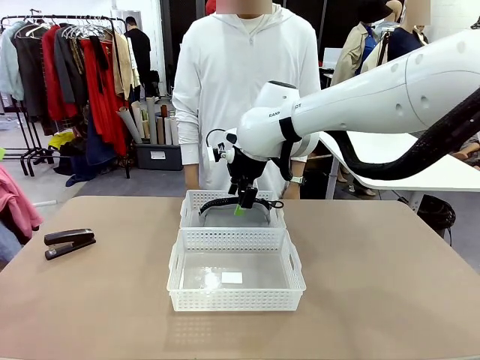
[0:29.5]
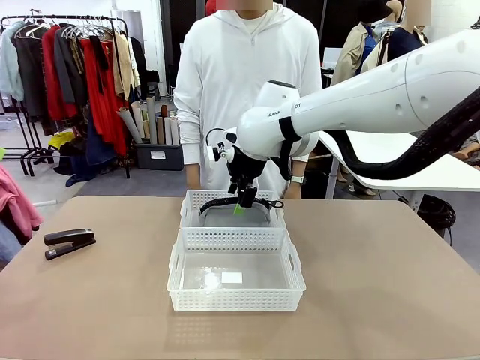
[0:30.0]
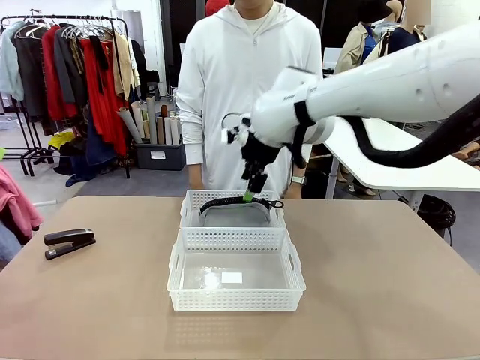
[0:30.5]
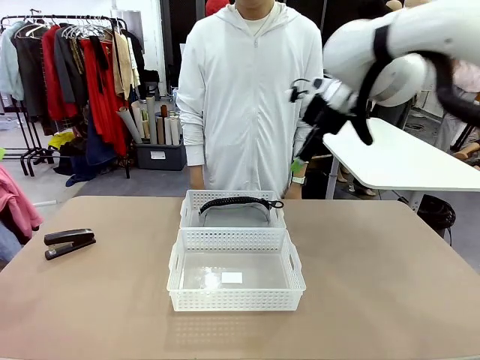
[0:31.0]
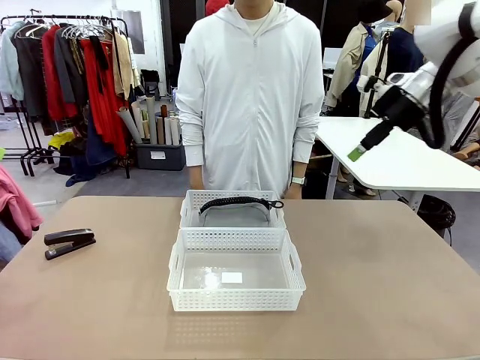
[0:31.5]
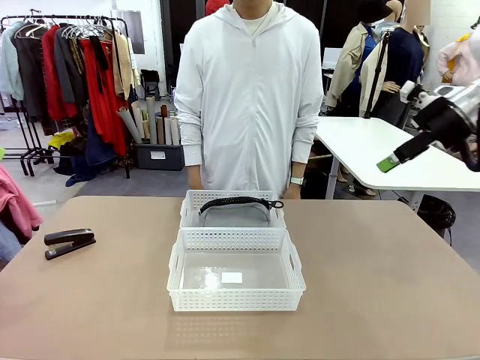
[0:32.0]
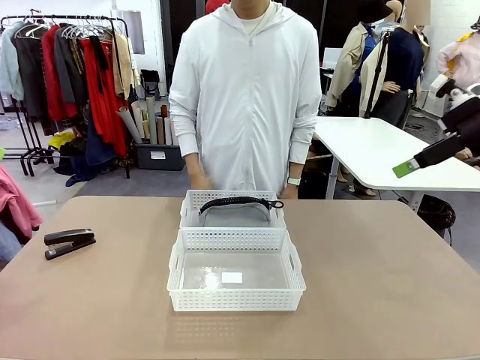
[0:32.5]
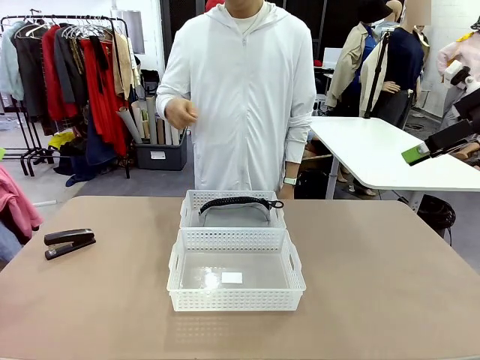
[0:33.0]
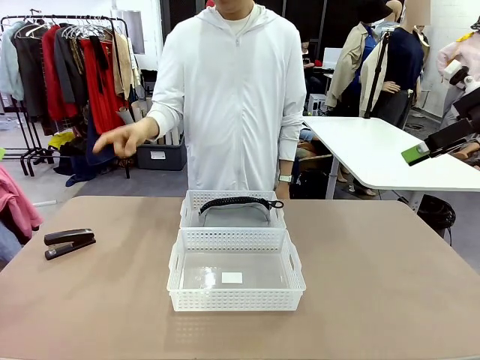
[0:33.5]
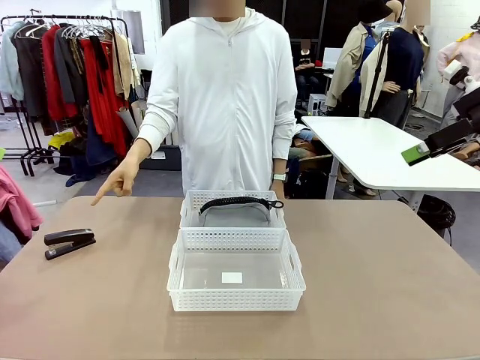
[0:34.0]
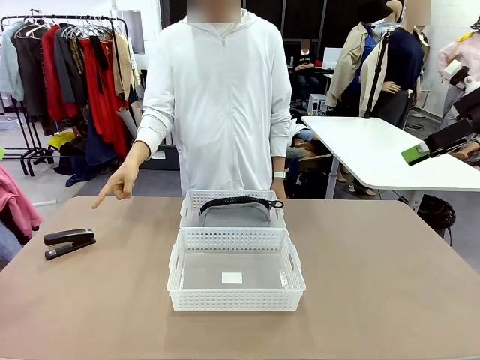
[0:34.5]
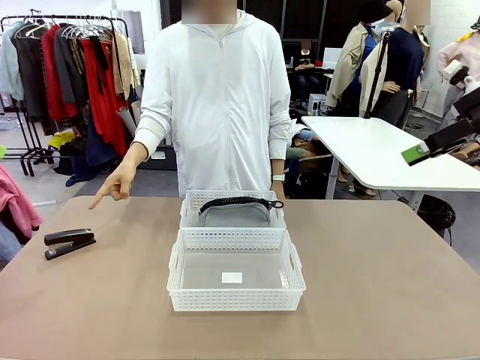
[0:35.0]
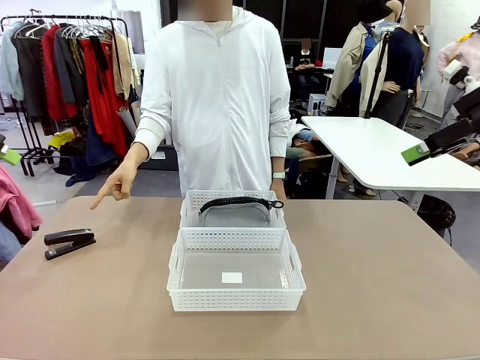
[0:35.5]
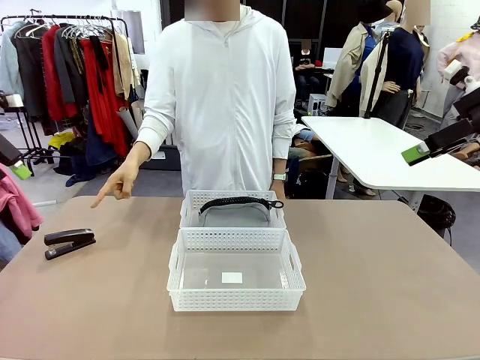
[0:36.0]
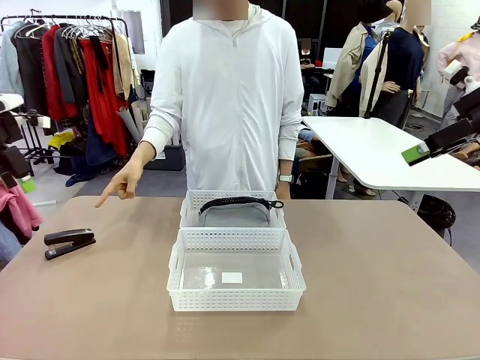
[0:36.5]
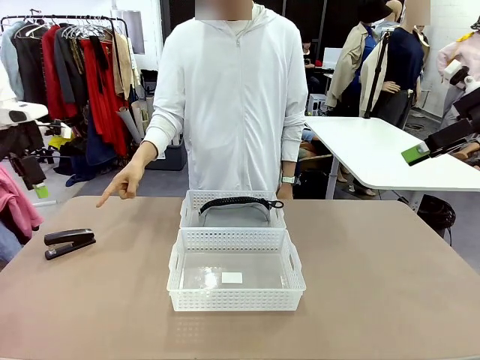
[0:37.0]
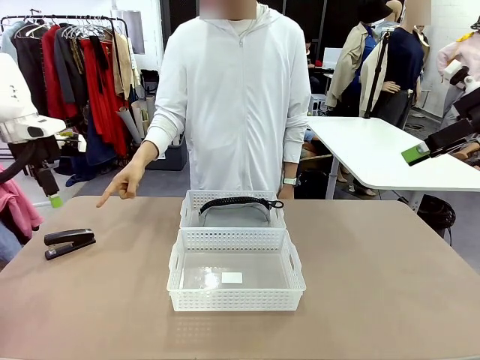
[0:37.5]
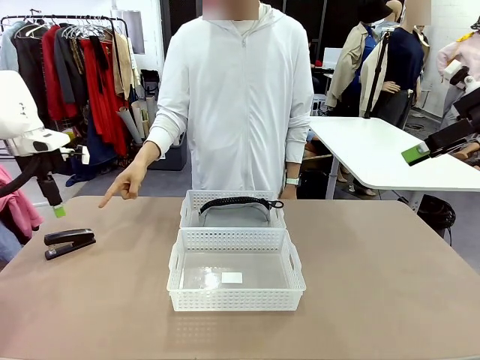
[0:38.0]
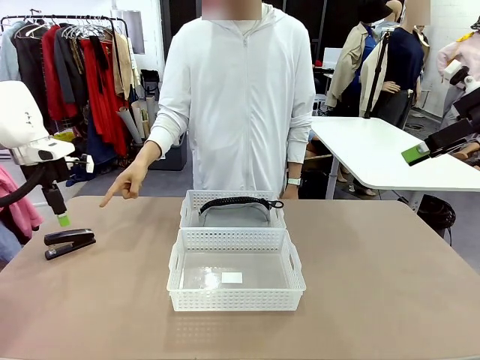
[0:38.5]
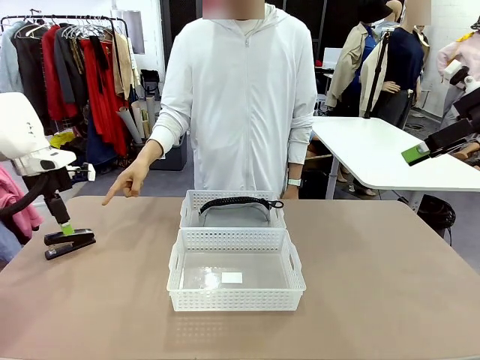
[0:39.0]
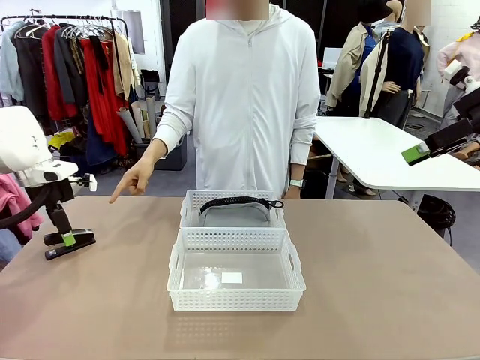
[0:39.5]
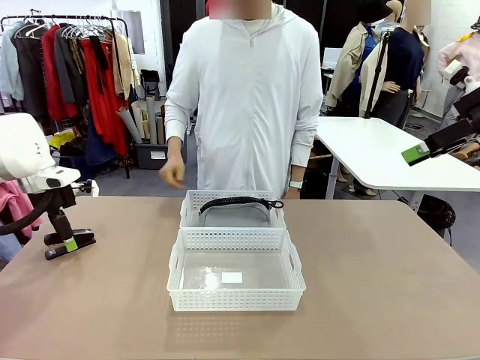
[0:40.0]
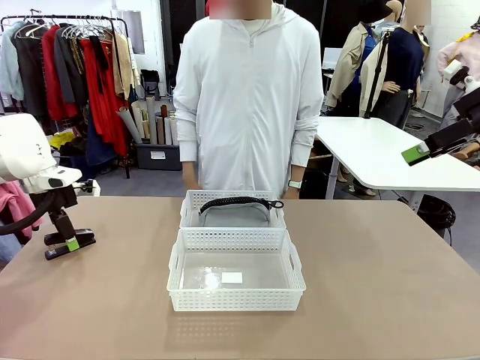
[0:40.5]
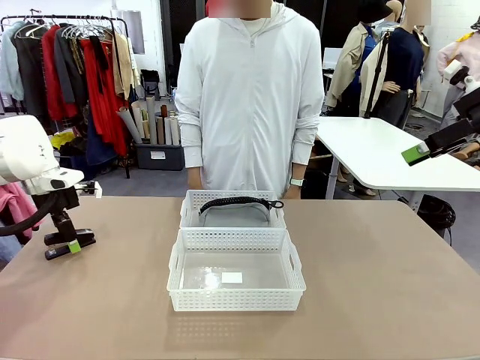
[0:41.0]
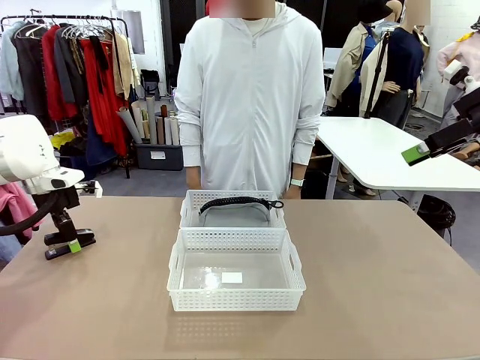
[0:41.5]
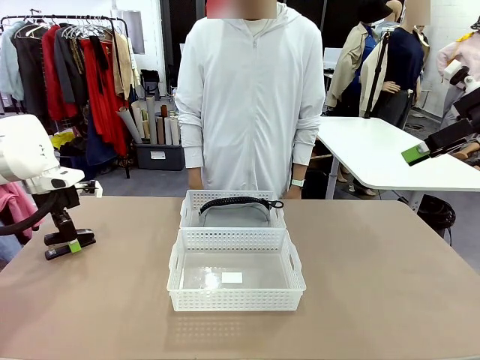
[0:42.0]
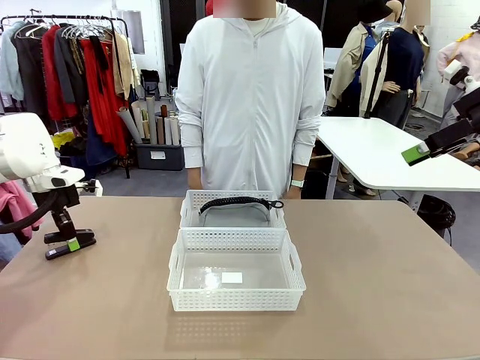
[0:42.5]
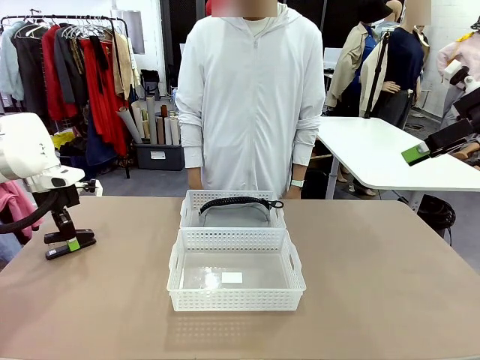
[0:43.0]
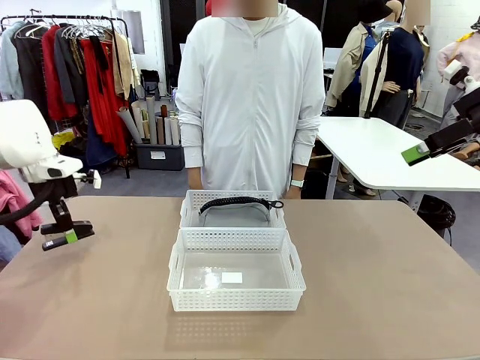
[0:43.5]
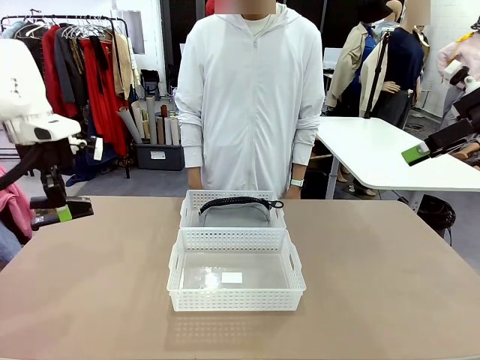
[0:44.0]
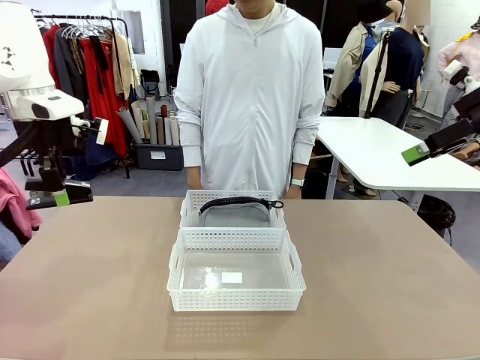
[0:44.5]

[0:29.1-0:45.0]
Task: Distribute items into two baskets.
Robot: Pick up the Stapler that the person points to.

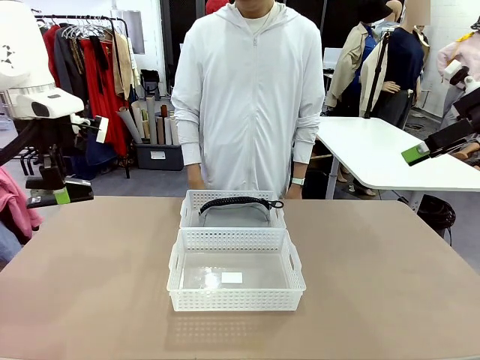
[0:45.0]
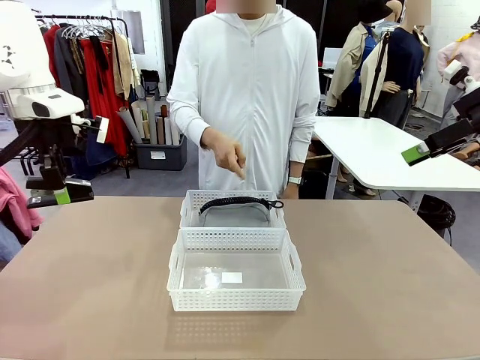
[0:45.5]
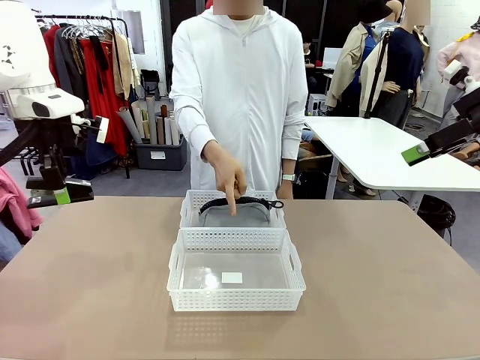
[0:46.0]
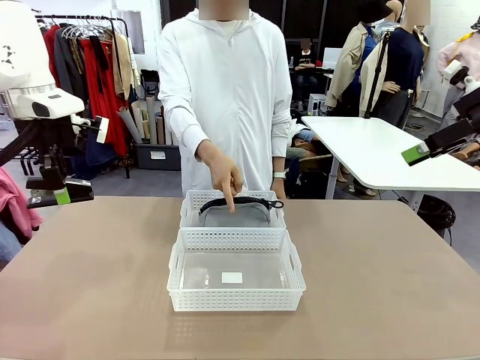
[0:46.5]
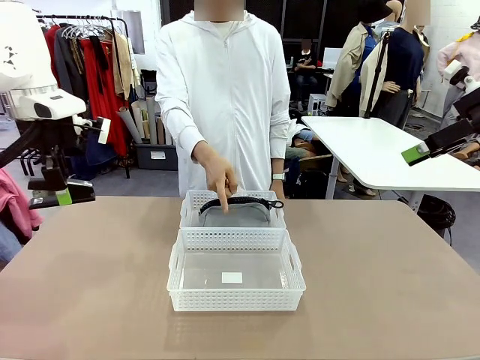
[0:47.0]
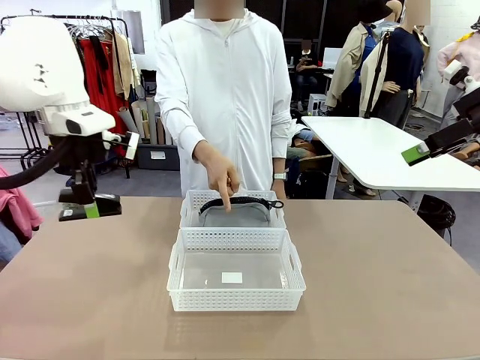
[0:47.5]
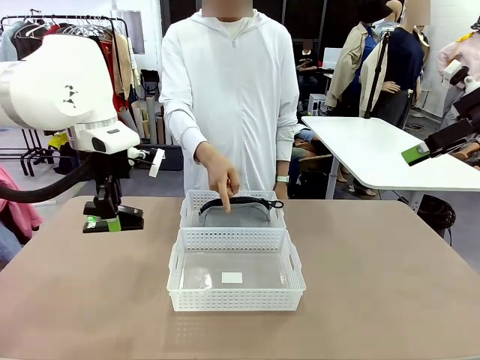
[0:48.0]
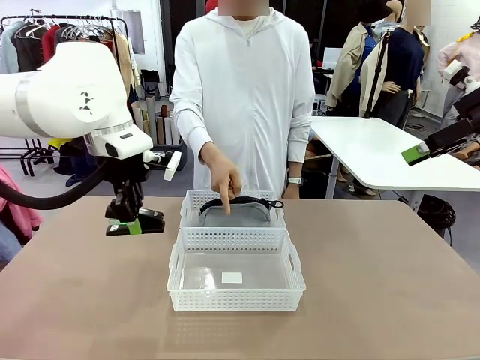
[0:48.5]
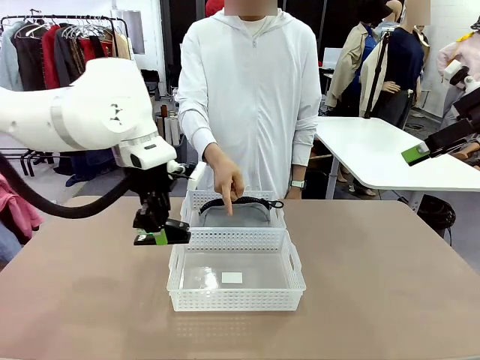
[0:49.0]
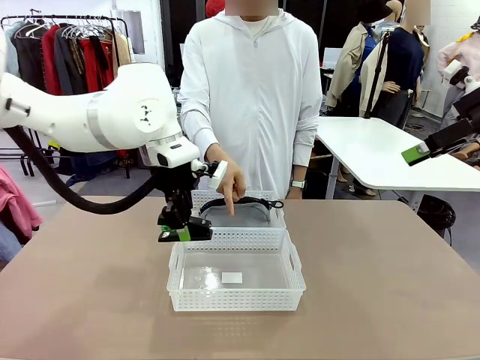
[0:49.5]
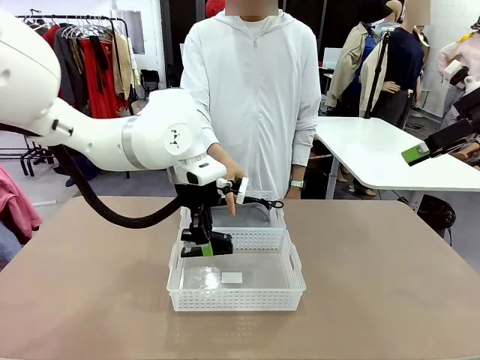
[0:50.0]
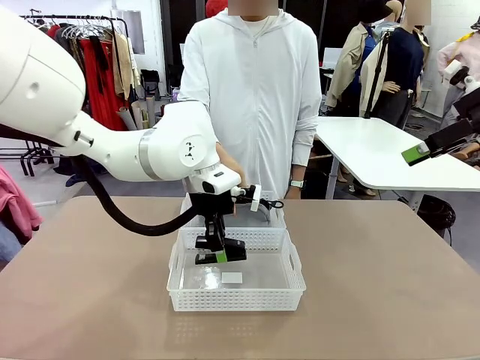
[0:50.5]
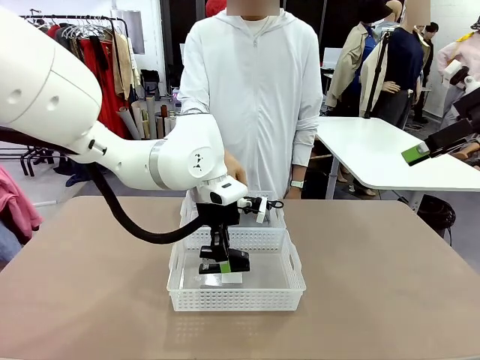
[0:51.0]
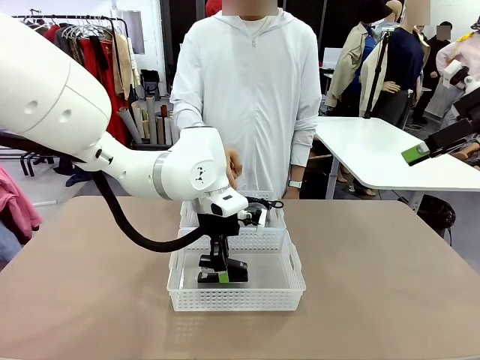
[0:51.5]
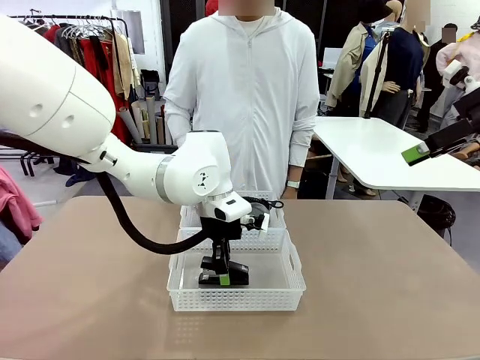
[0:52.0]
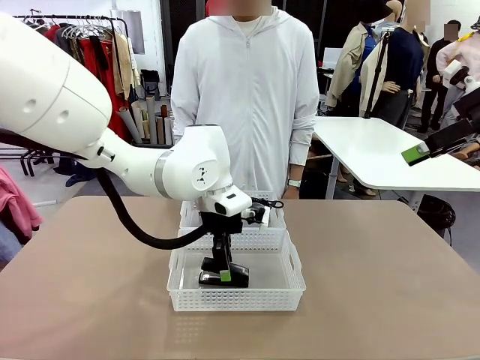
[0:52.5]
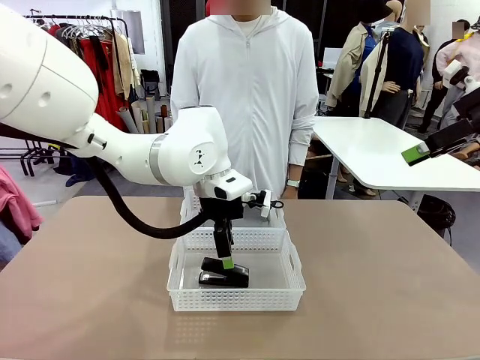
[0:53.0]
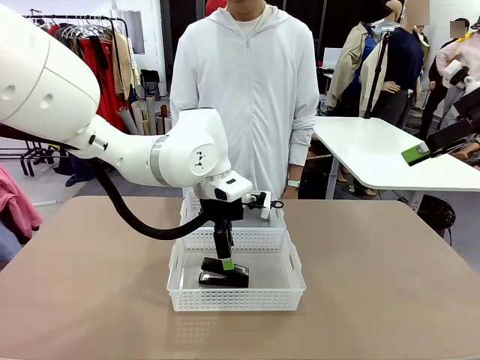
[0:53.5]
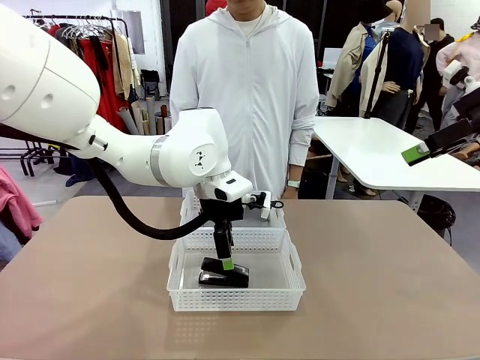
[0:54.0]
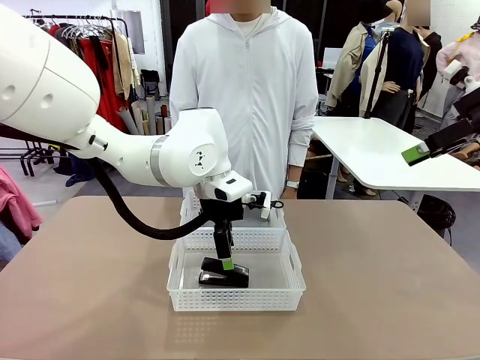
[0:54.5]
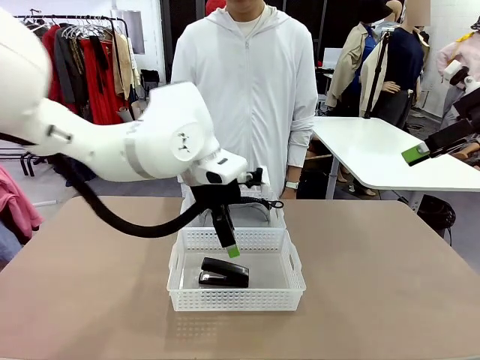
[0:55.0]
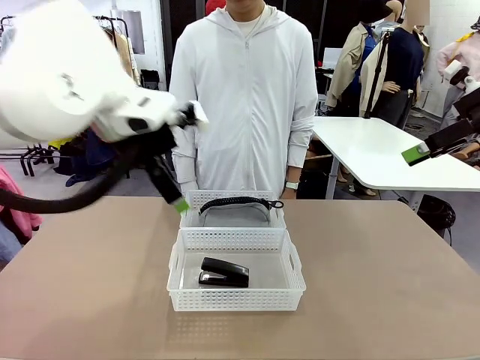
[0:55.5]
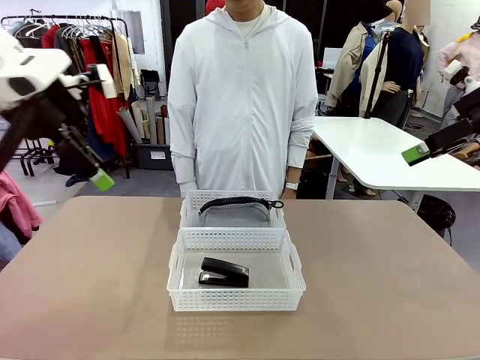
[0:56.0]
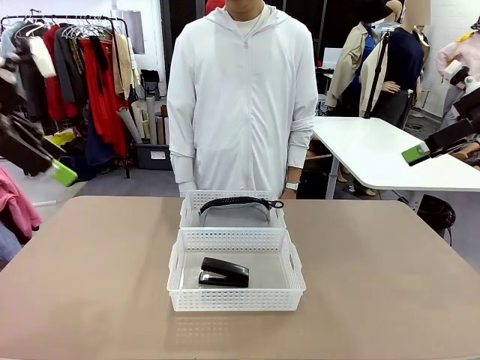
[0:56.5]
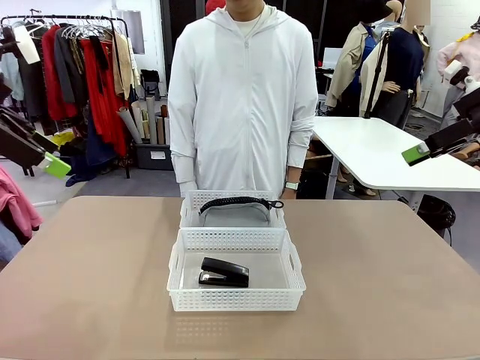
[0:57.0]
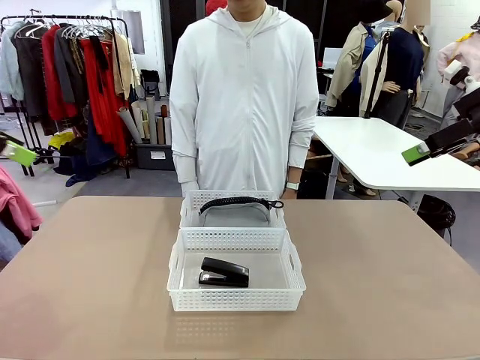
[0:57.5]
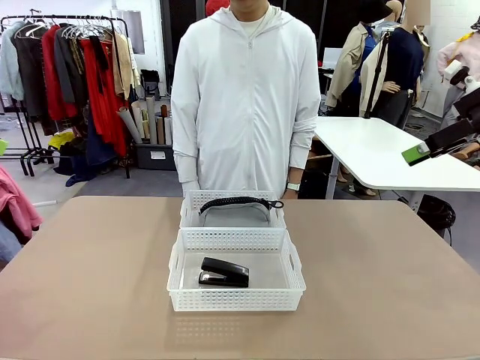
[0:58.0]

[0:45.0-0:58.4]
Robot: Place the picked Stapler into the Organizing basket as instructed by the person.
Person: Points to the basket that does not contain the pencil case and instructs the robot to move the stapler there.
